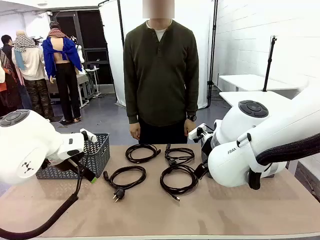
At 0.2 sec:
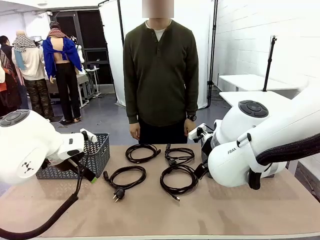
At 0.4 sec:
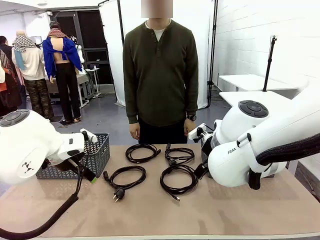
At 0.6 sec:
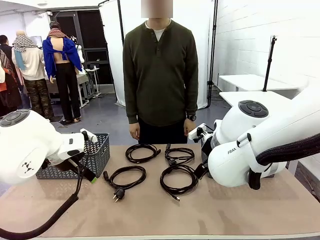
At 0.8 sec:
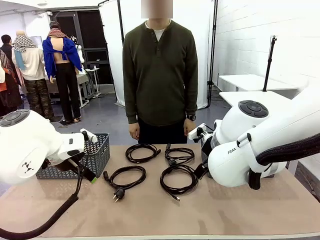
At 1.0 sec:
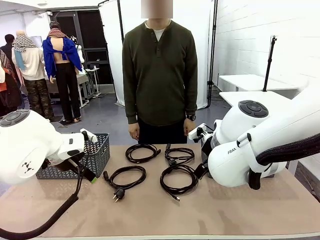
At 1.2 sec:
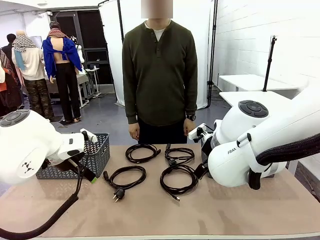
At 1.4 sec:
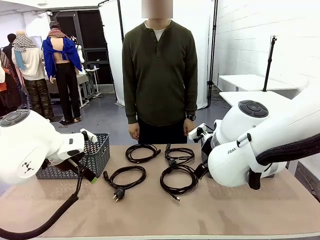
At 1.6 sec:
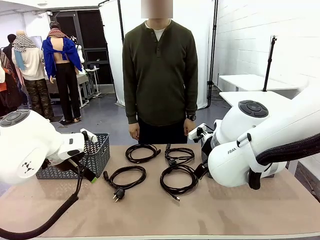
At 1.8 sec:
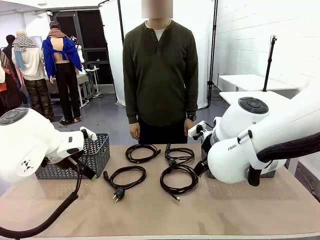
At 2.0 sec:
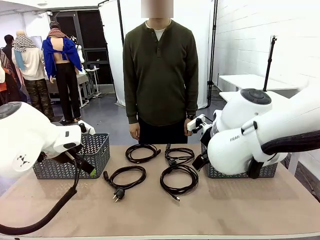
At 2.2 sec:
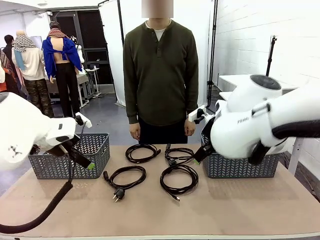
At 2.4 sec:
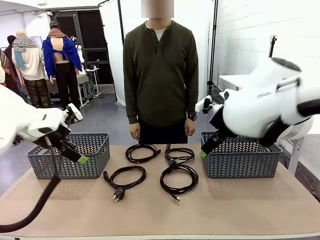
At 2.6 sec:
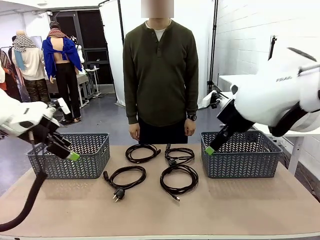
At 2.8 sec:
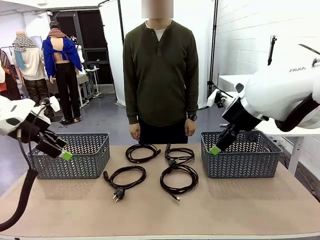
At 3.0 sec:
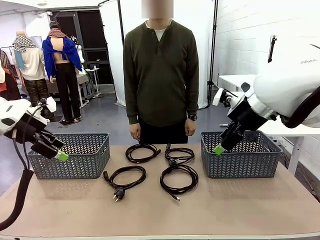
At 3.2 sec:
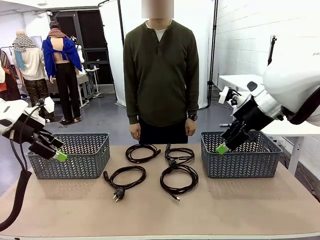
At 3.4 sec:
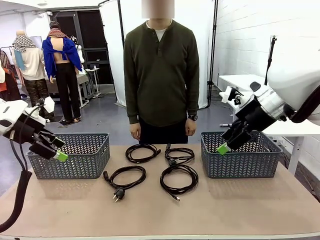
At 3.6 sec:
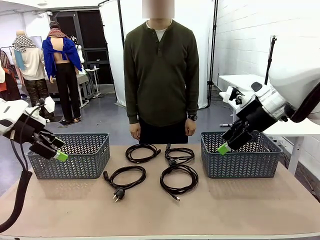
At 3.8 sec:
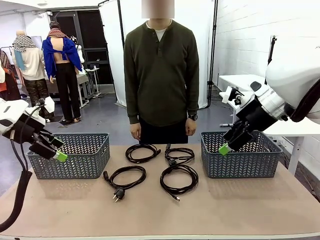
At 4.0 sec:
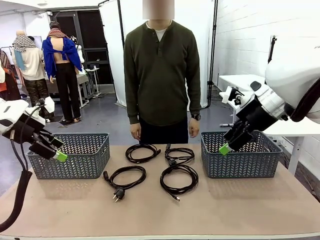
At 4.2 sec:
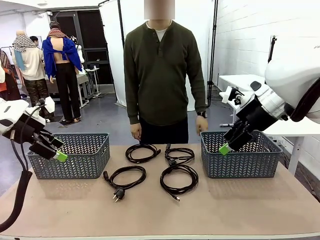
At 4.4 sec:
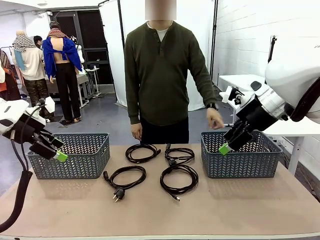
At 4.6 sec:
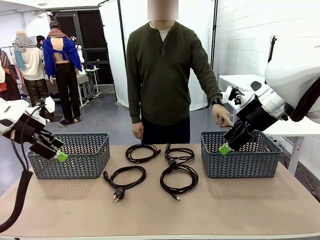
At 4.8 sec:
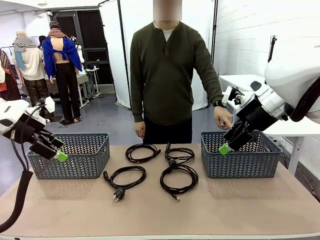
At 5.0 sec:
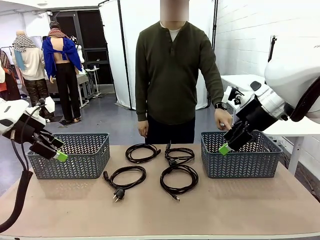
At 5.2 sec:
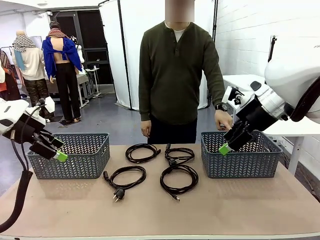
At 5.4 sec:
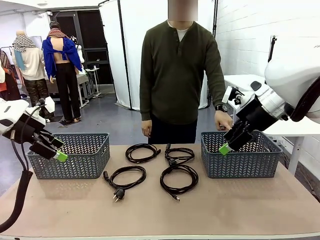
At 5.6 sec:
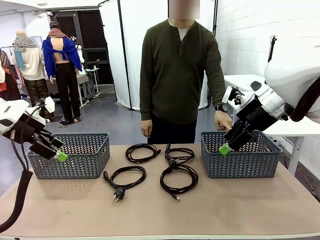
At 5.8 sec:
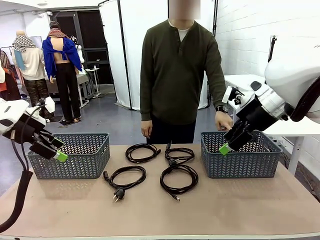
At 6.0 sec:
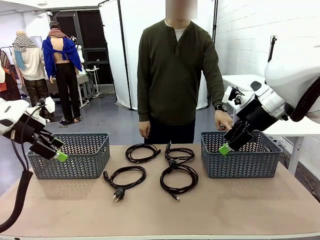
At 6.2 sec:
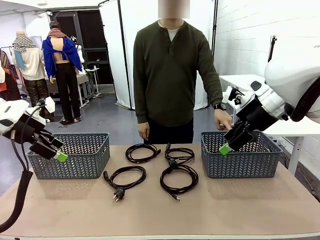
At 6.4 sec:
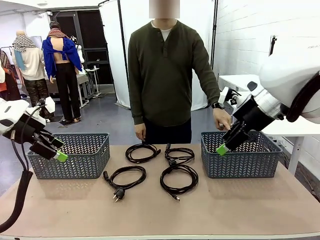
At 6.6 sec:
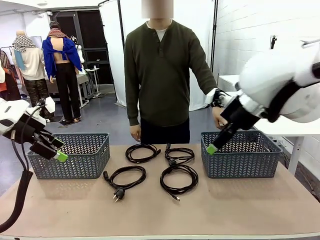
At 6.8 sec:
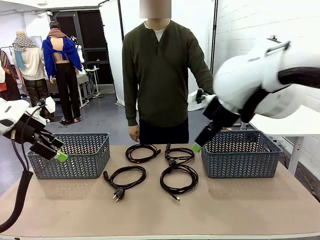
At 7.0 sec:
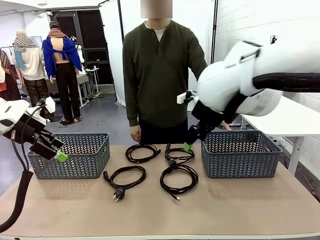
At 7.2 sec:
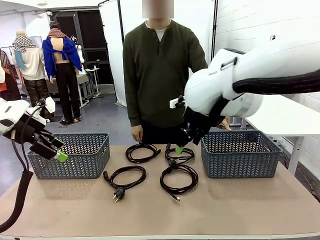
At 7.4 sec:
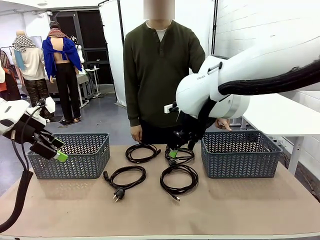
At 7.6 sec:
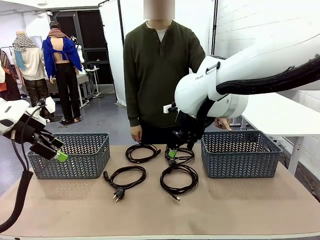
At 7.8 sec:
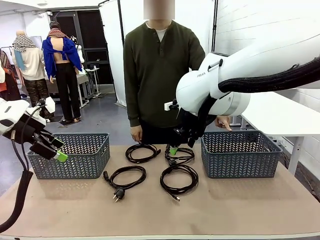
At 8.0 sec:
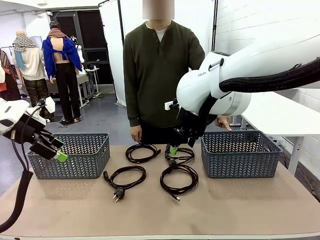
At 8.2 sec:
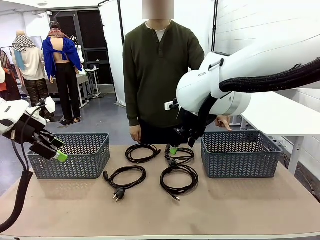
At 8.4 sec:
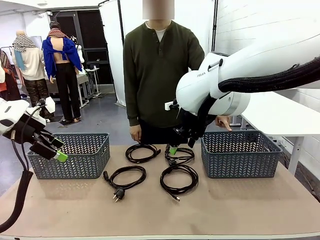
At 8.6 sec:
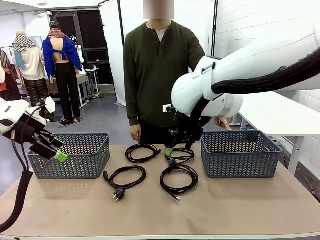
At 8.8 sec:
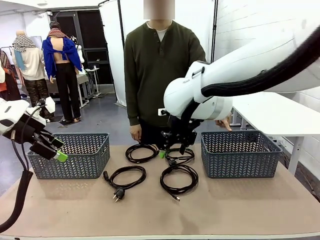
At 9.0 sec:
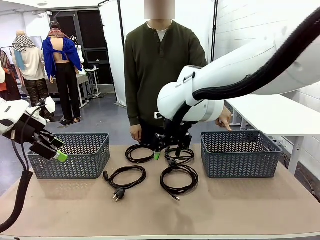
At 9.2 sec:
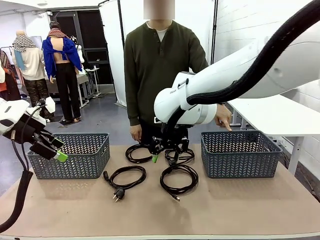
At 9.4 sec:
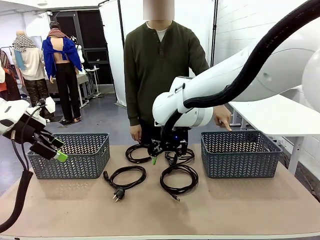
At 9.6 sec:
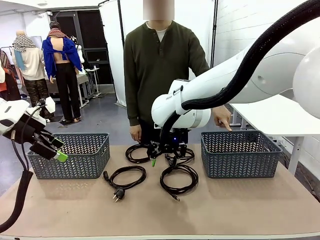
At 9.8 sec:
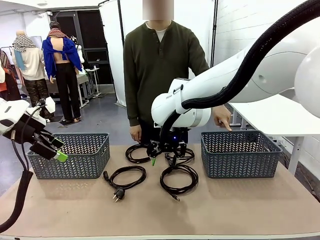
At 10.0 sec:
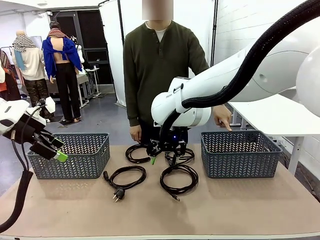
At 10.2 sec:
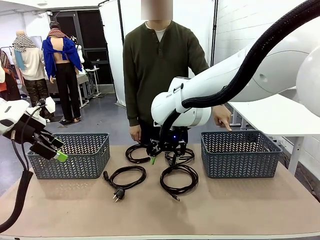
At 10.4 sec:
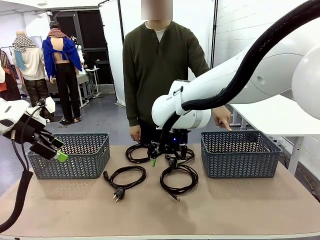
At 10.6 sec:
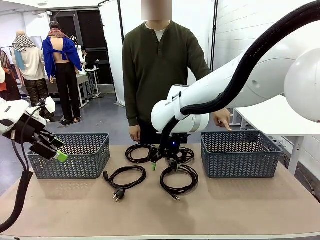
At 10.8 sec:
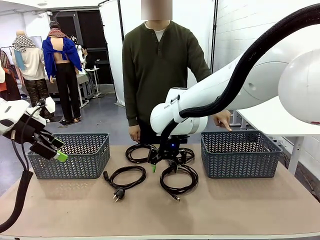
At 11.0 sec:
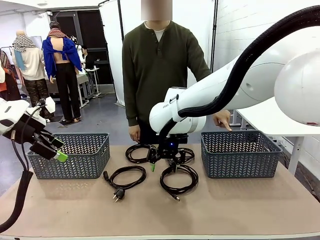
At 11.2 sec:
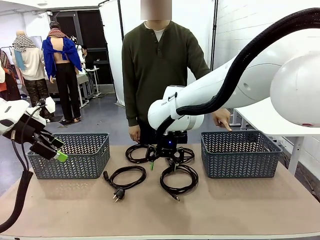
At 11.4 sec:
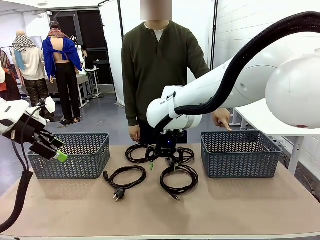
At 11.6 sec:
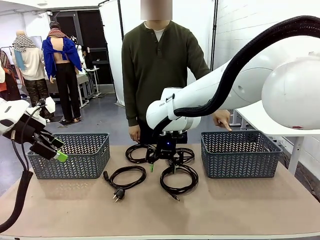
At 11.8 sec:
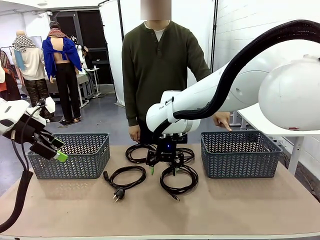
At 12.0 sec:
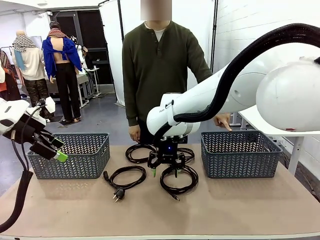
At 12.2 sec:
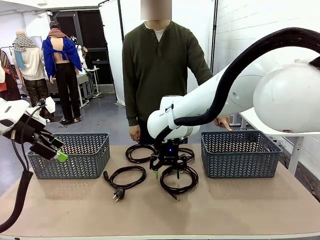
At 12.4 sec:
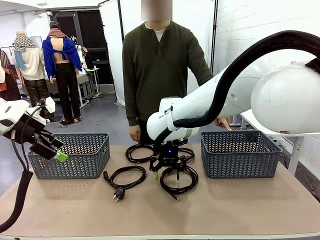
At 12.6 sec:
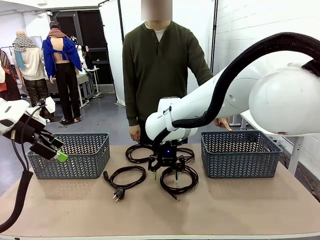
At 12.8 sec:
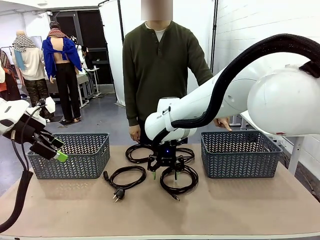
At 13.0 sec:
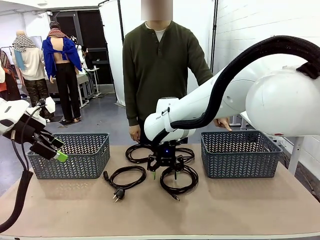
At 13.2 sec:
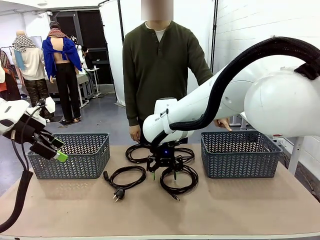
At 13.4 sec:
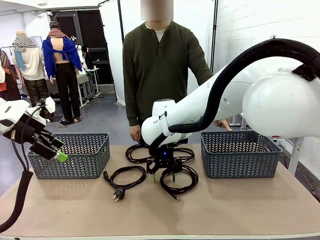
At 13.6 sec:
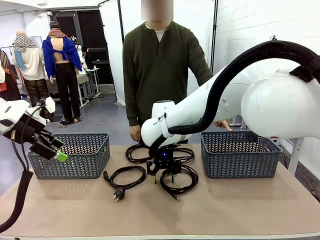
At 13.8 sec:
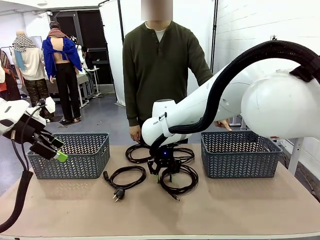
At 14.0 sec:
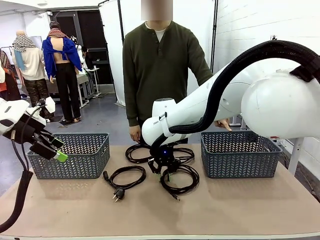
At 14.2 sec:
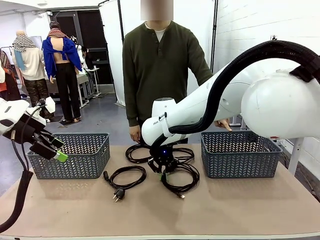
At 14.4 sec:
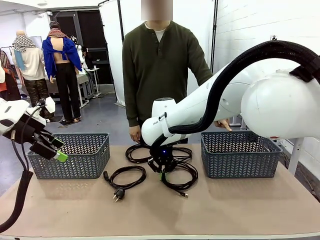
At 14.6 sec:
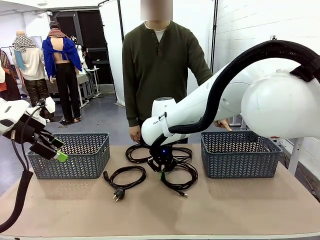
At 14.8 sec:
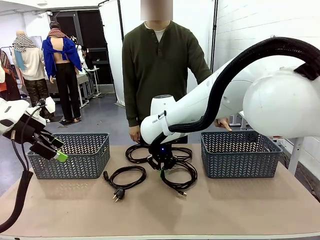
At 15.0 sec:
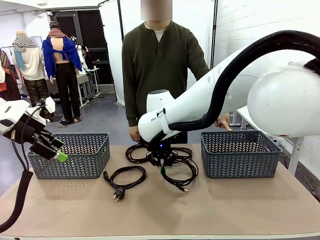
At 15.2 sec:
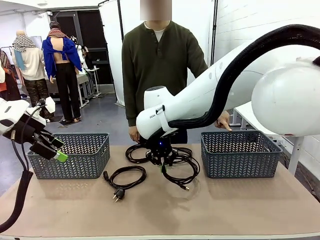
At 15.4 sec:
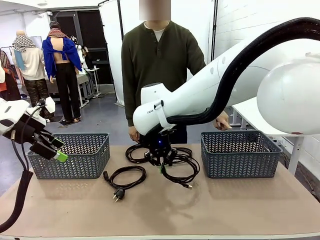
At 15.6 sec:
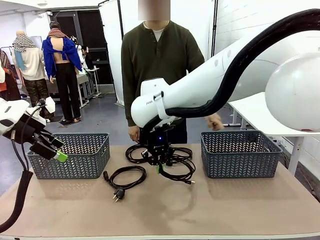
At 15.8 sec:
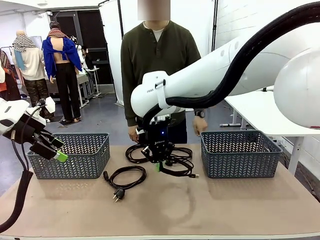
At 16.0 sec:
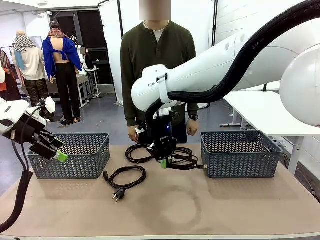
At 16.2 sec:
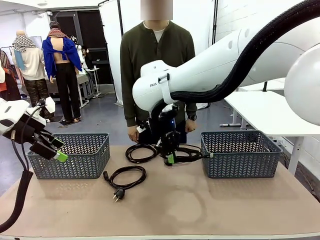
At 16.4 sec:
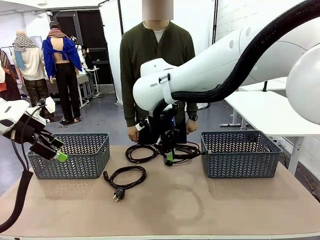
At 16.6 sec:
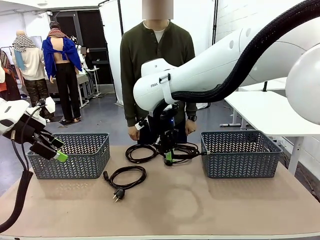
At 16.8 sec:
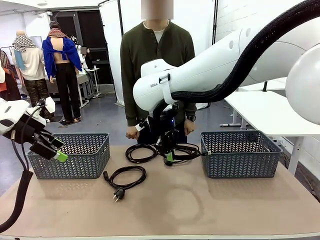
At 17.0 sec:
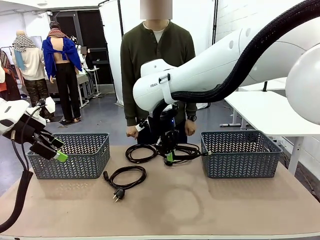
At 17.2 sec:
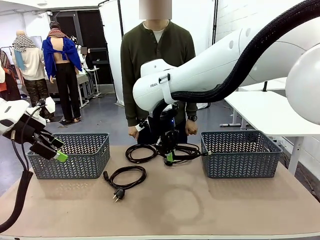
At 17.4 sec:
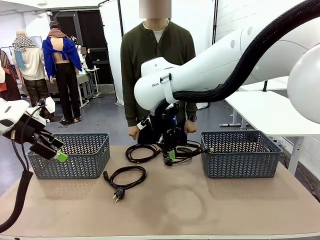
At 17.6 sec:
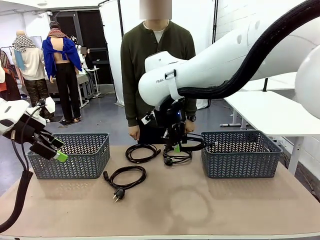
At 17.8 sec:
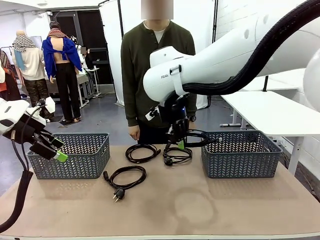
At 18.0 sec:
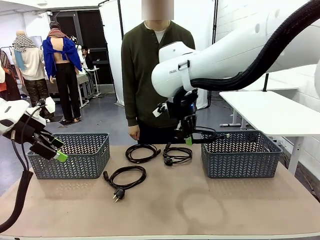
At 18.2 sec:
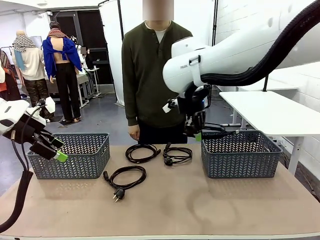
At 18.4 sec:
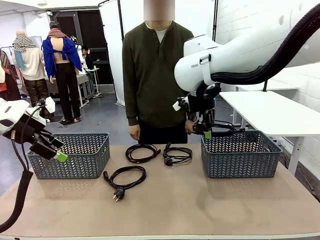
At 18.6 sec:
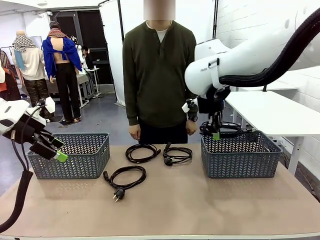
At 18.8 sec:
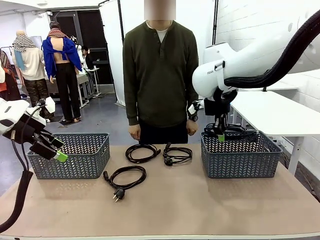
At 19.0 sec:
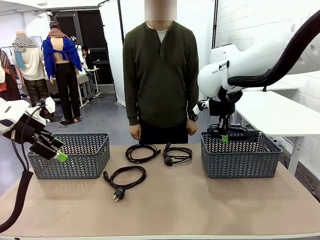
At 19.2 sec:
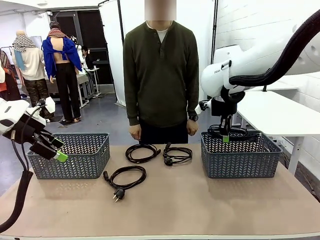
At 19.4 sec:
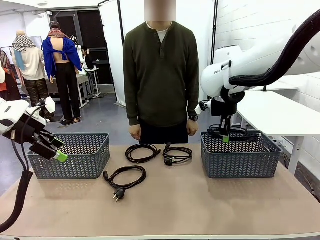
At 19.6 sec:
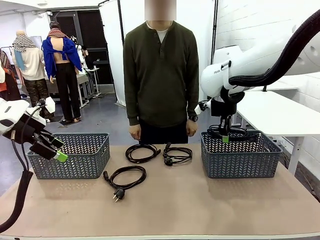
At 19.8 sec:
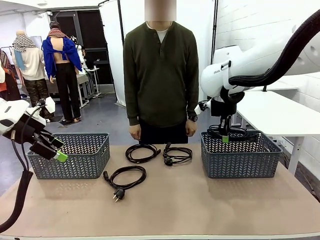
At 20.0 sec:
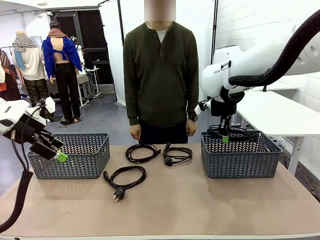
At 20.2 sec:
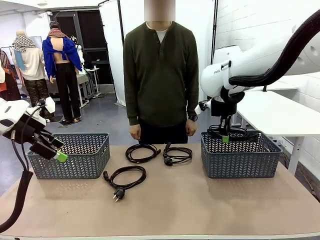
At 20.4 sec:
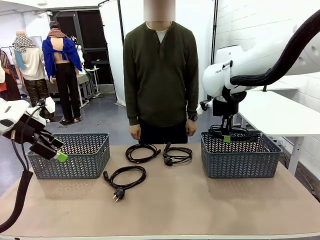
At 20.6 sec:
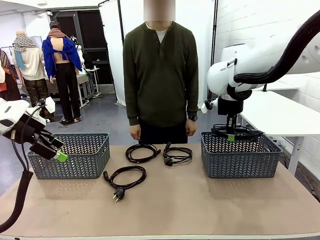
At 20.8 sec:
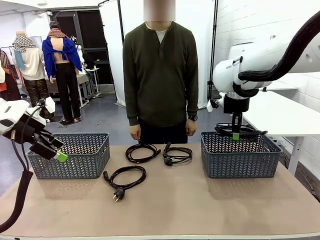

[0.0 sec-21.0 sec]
Task: Organize the cables according to human instructions.
Robot: Pick up a bundle of cables and place it in the basket indicated by the human.
